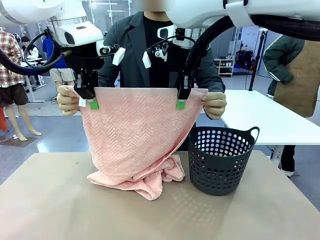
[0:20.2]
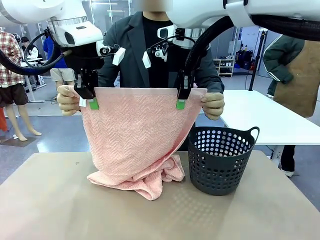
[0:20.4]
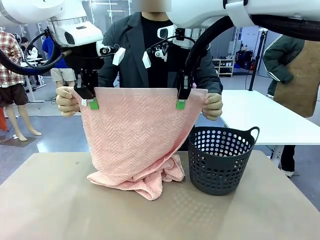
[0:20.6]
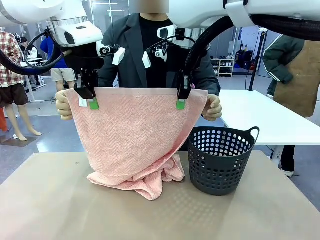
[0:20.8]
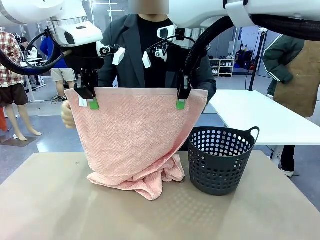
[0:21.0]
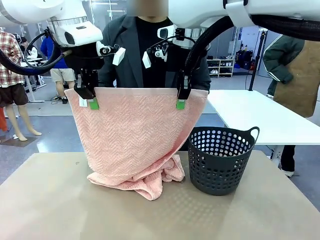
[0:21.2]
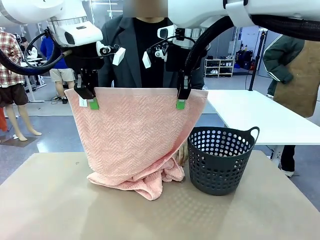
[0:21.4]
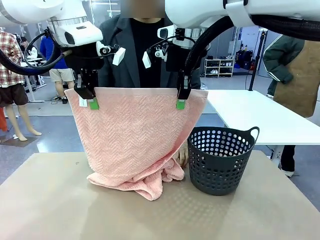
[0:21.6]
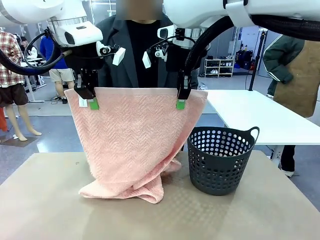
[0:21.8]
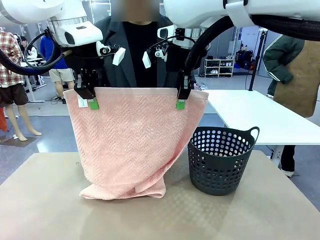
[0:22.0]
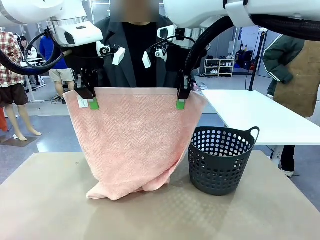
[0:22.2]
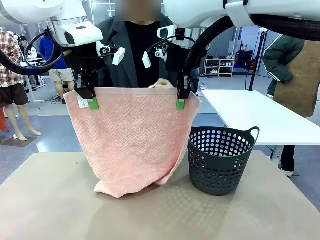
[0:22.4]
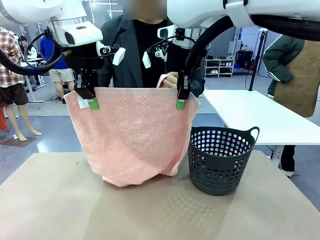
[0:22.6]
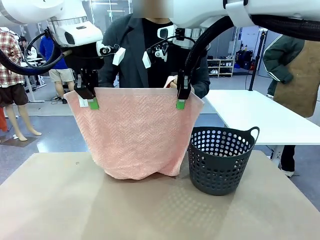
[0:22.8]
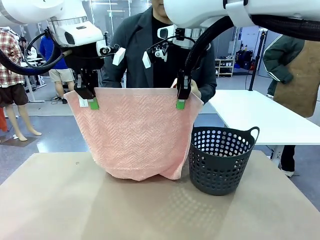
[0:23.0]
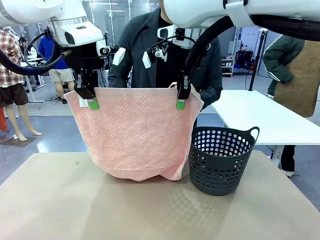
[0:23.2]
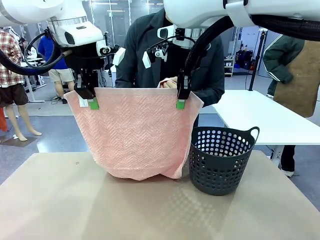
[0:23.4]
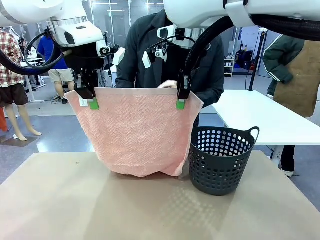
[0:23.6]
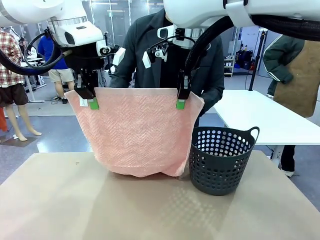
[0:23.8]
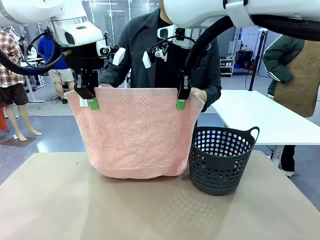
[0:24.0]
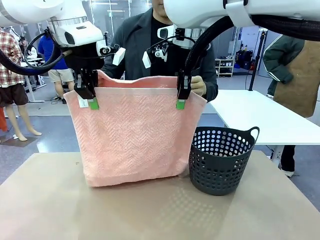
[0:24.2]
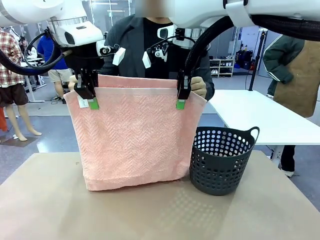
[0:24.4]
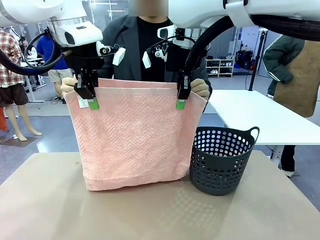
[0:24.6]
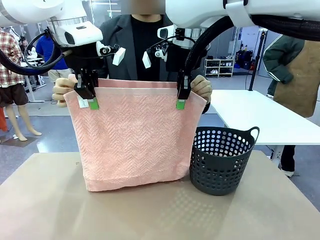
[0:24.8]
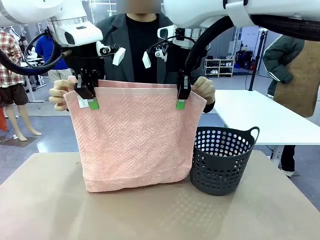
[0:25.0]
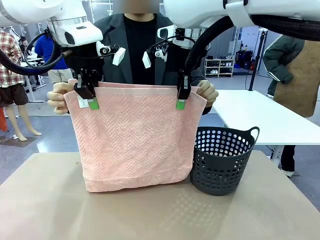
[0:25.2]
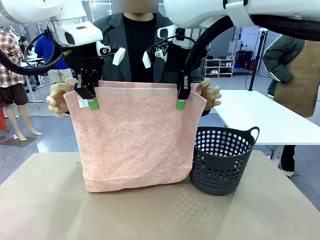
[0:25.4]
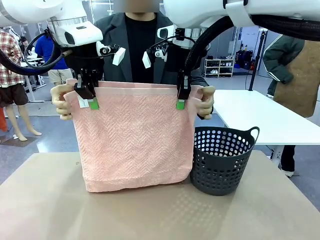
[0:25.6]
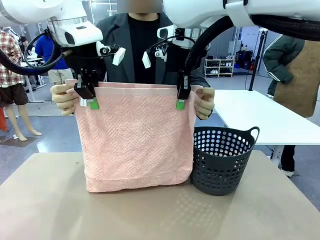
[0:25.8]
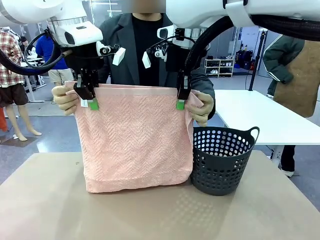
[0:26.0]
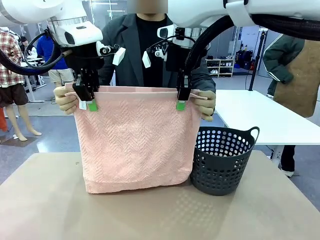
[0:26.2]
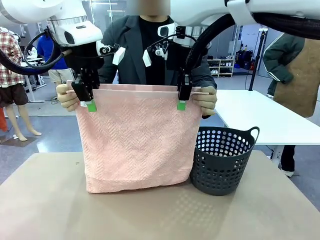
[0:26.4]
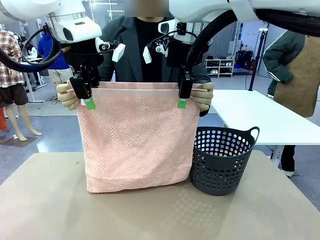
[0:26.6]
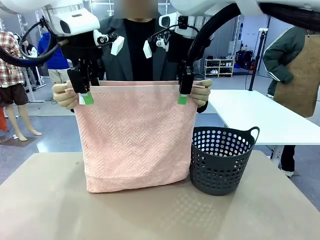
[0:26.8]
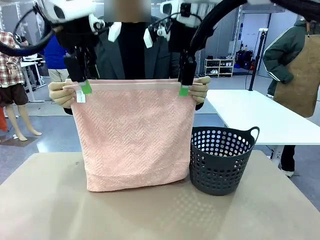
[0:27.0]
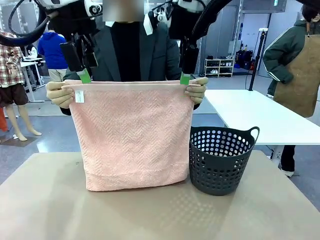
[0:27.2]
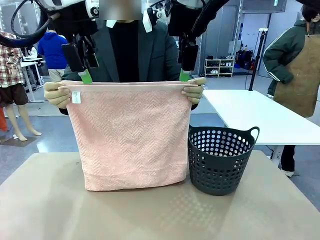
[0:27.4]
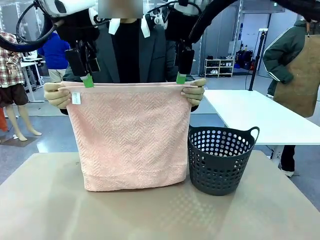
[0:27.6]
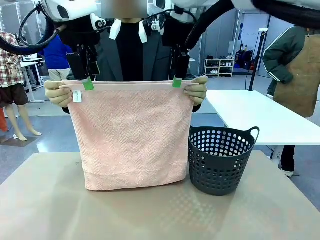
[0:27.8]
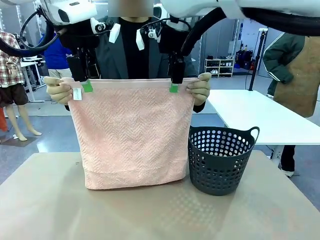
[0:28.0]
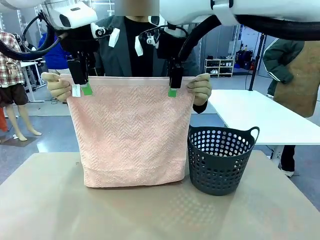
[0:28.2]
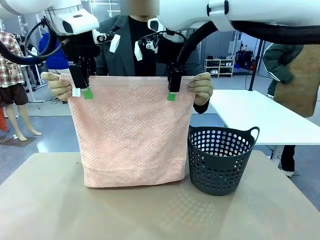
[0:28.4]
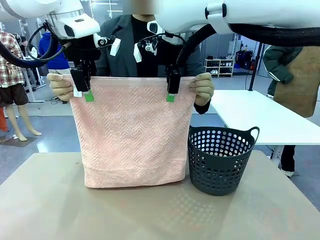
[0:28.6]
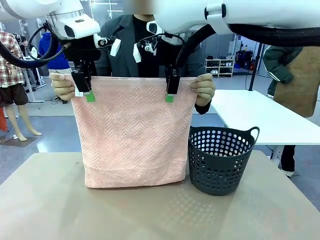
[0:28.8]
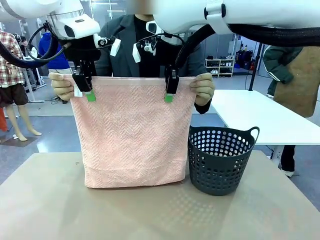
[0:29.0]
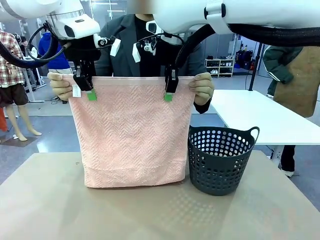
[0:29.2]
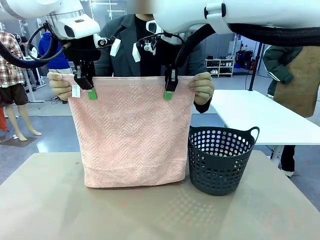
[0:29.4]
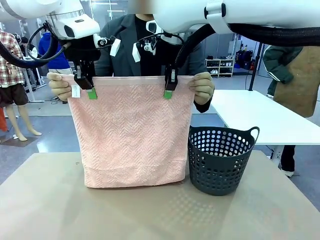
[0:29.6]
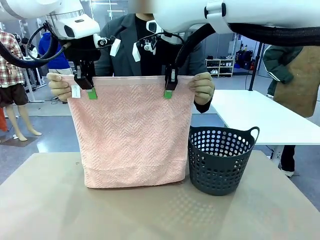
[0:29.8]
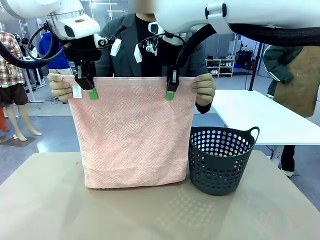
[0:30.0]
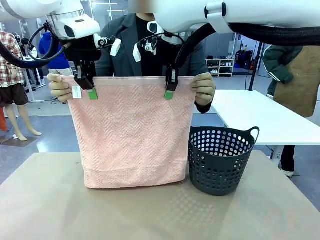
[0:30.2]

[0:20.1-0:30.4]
Task: Fold the towel.
Robot: Release the end of the 100 cm Hotel Towel you were holding and grab the top end of the folded side.

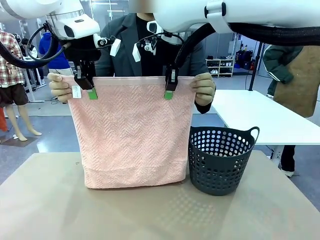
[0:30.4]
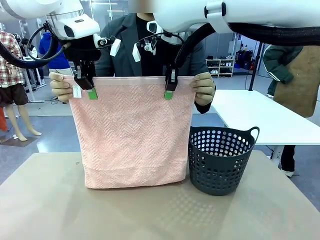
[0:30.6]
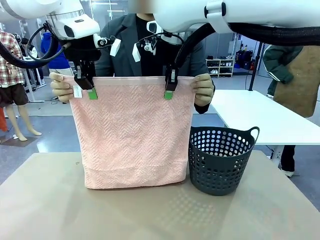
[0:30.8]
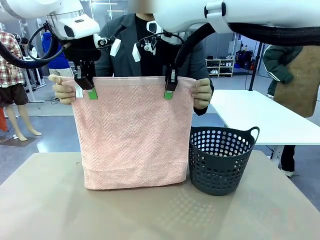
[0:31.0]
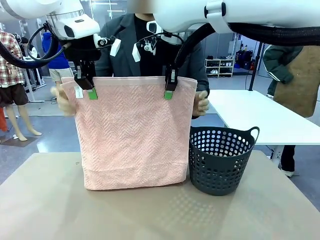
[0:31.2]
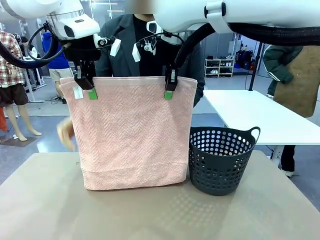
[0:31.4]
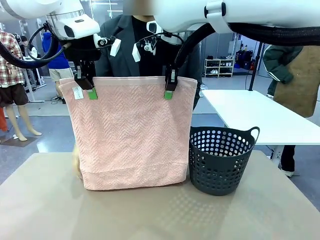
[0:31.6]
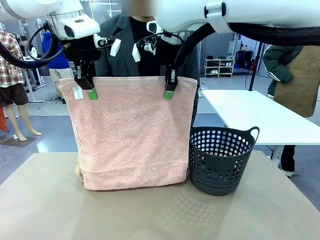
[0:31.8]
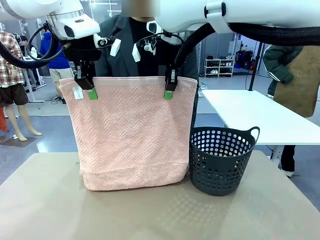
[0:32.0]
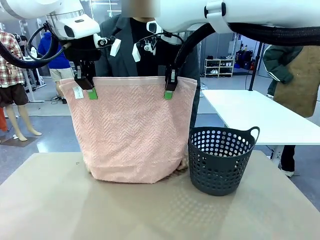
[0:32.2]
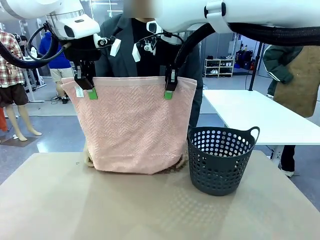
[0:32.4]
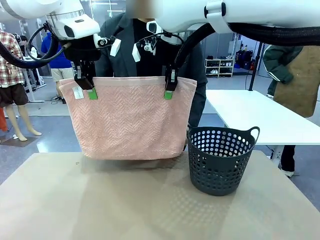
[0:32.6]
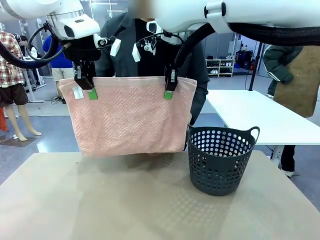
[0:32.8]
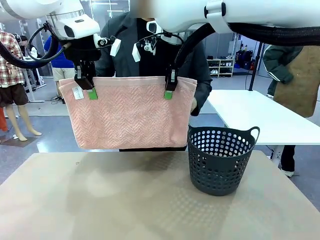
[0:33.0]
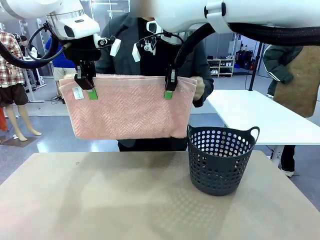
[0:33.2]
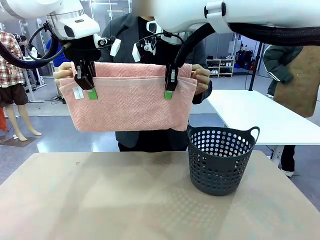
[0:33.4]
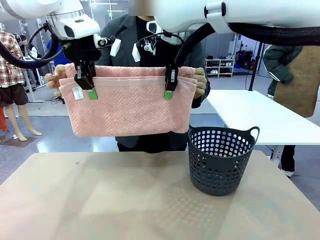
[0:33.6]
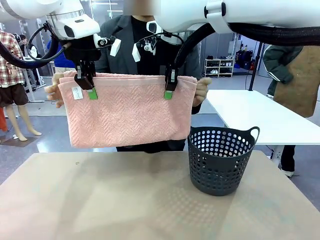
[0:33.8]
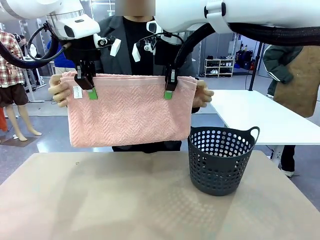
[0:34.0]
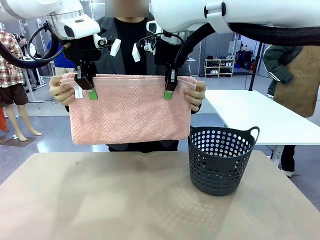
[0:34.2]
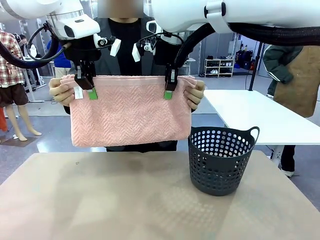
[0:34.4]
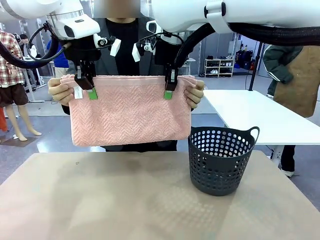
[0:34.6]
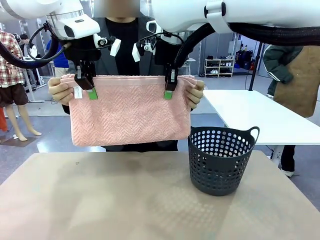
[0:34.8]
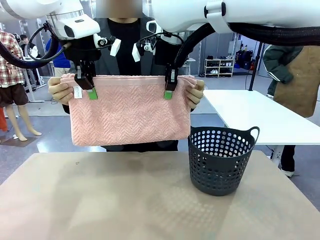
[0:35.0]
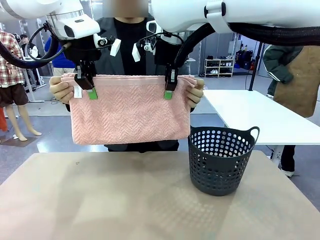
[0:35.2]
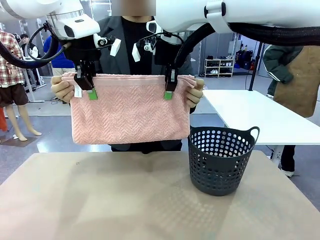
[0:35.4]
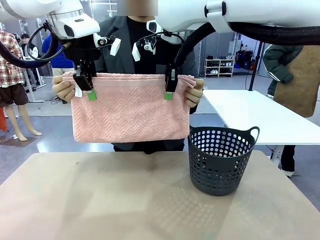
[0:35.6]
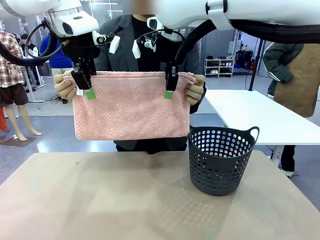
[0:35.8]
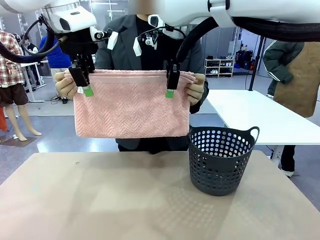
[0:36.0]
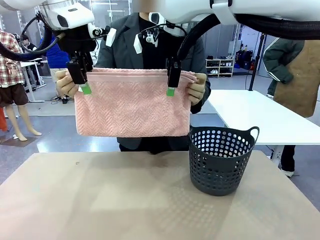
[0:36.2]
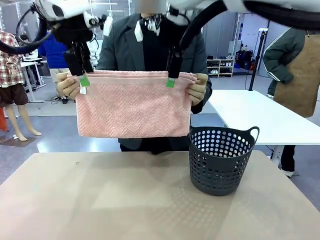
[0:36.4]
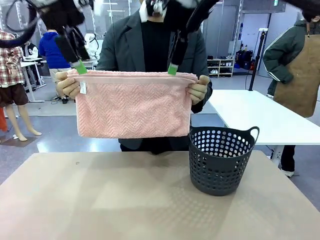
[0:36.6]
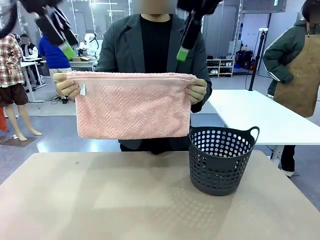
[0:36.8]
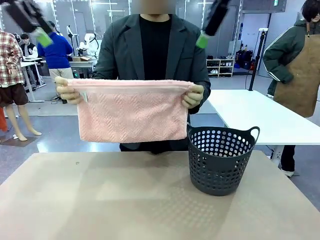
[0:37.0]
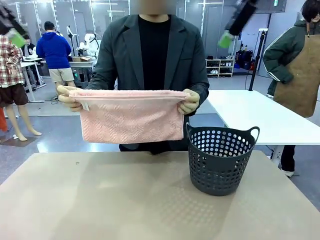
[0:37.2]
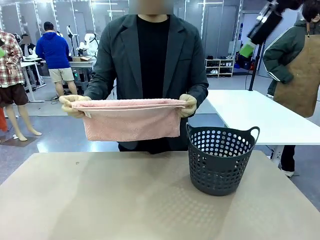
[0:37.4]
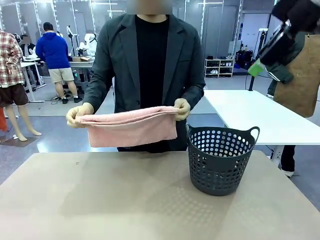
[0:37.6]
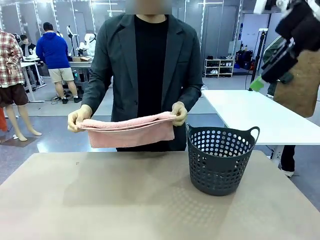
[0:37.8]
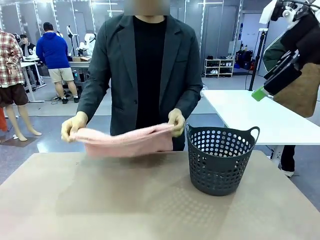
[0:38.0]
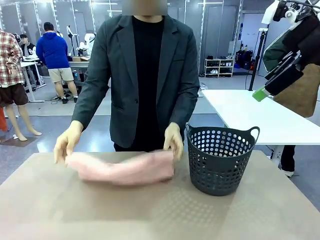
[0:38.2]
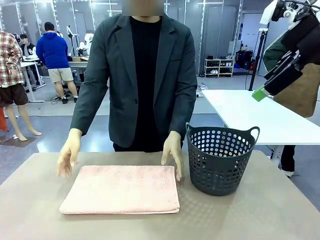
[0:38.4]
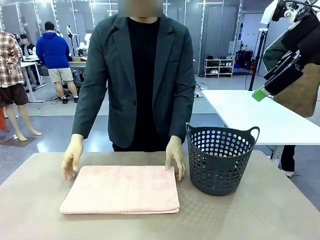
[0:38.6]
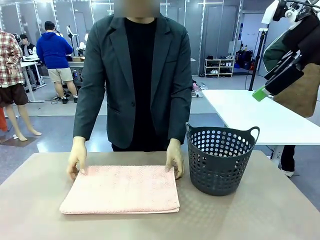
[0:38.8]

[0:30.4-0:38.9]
Robot: Release the end of the 100 cm Hotel Towel you were holding.
Person: Place the towel at the center of the robot table and fold it in half.
